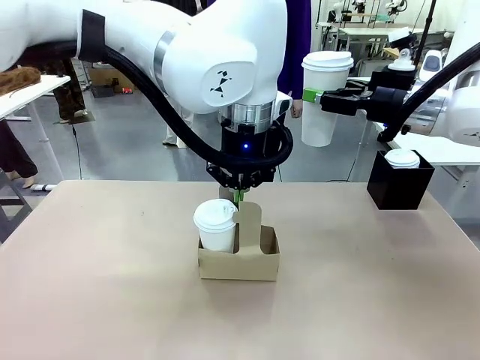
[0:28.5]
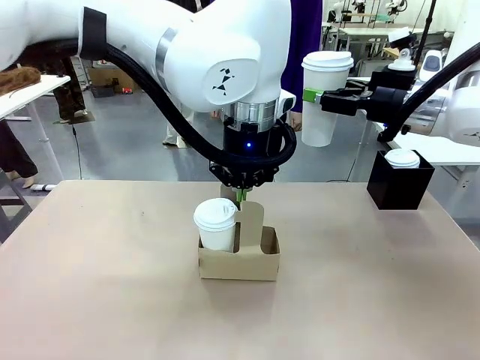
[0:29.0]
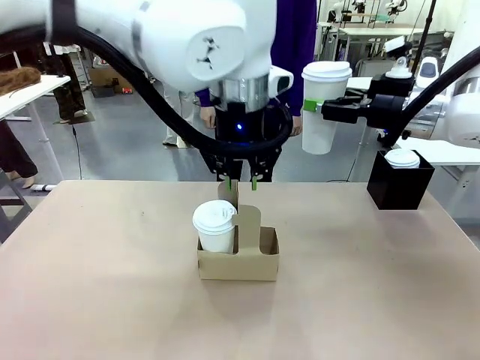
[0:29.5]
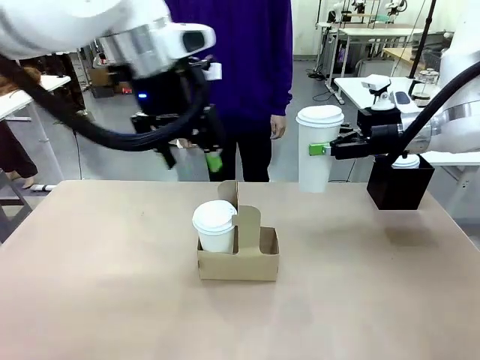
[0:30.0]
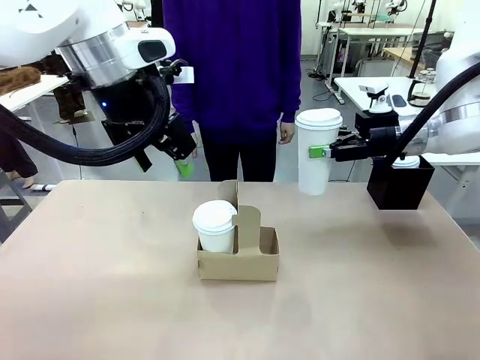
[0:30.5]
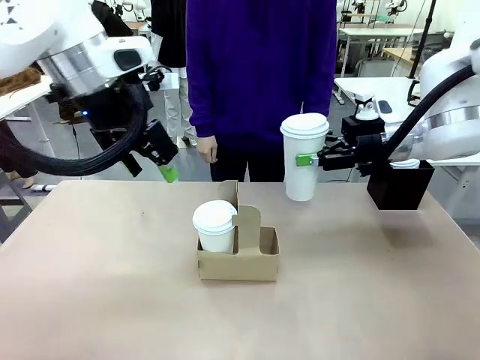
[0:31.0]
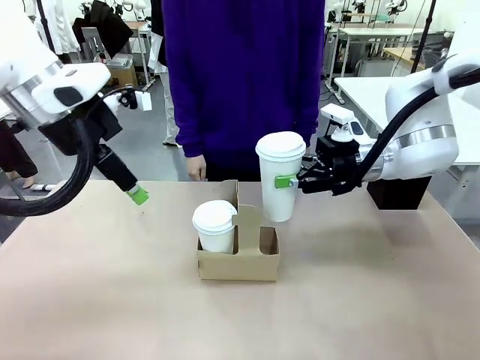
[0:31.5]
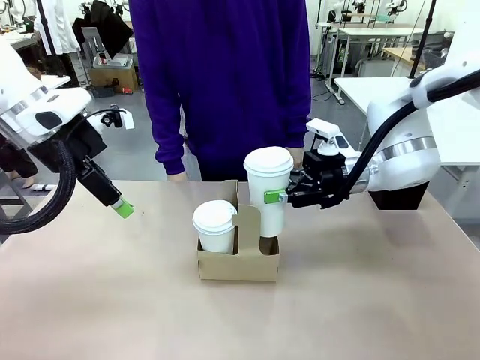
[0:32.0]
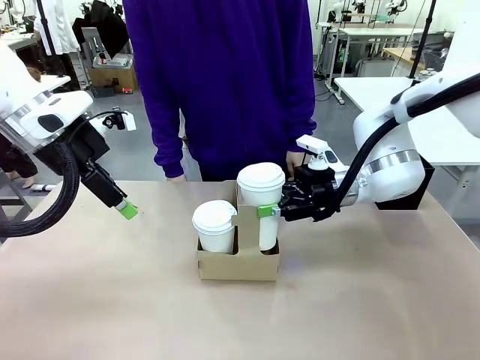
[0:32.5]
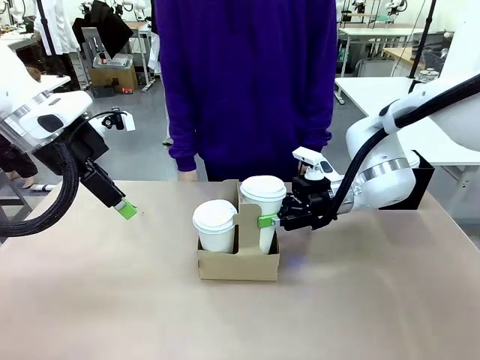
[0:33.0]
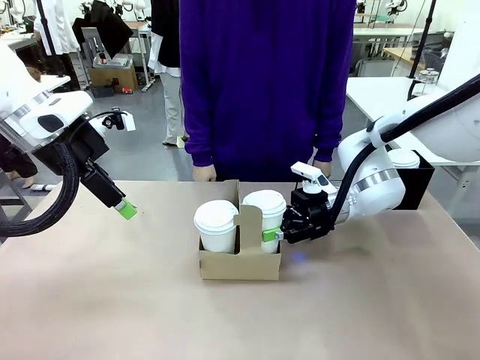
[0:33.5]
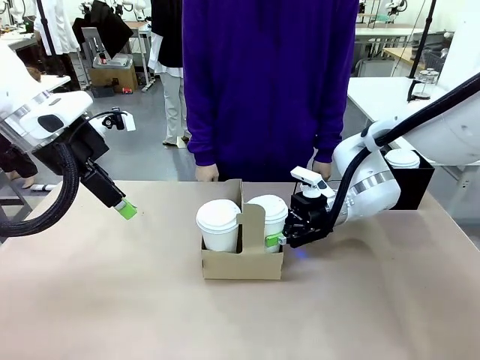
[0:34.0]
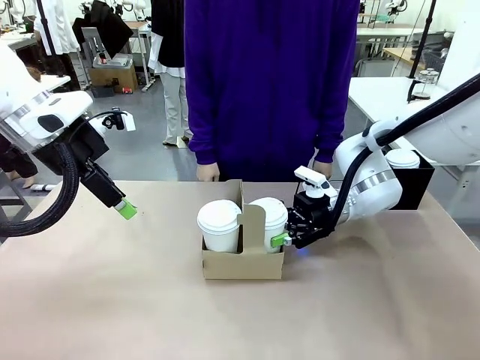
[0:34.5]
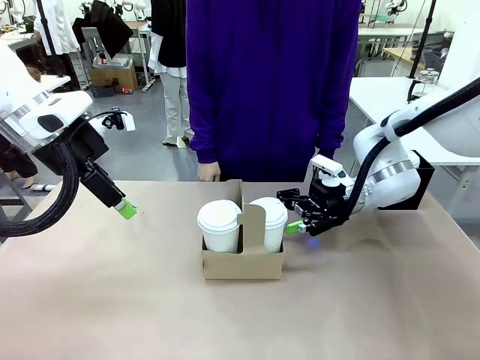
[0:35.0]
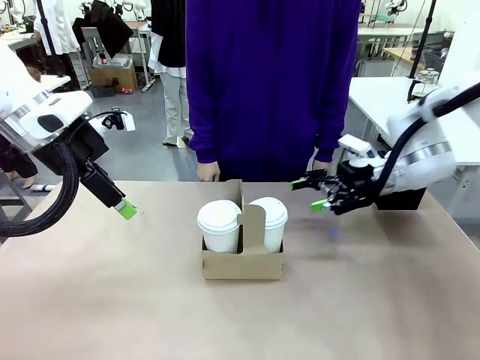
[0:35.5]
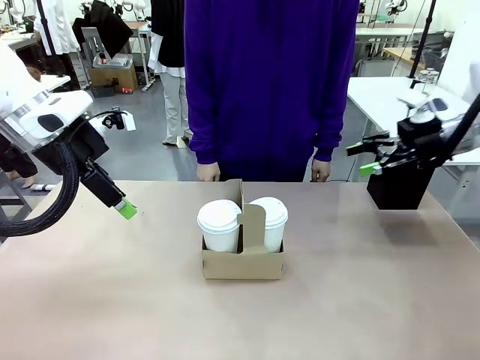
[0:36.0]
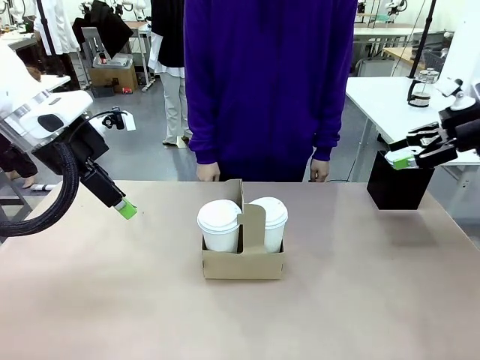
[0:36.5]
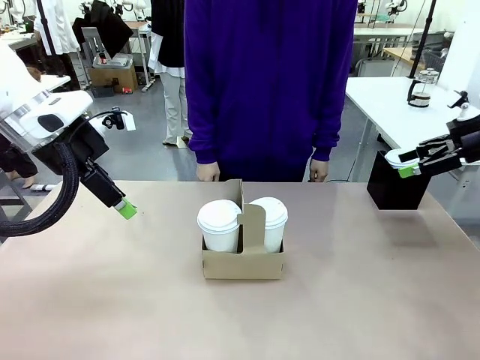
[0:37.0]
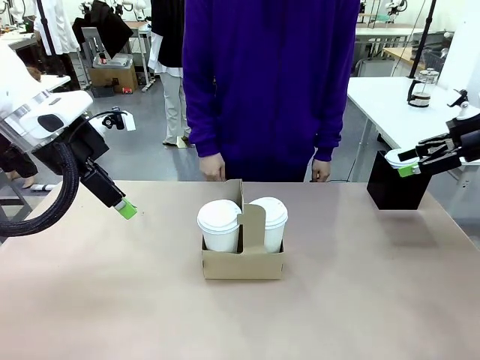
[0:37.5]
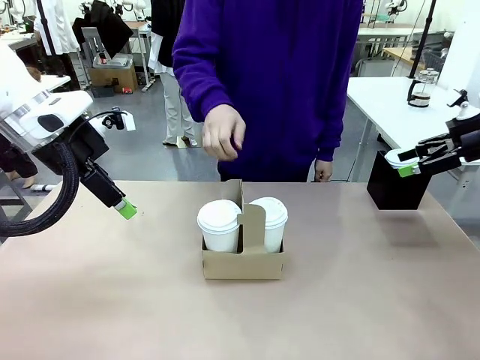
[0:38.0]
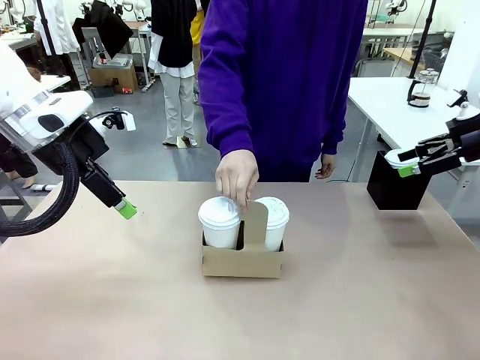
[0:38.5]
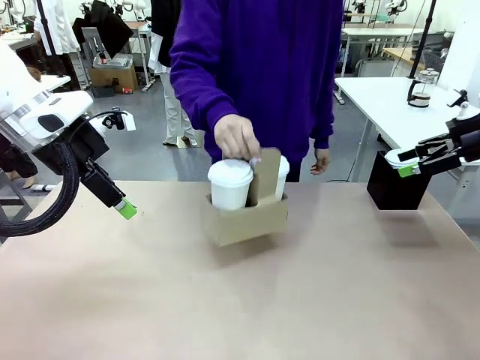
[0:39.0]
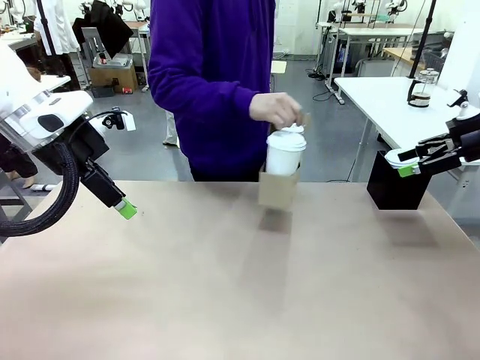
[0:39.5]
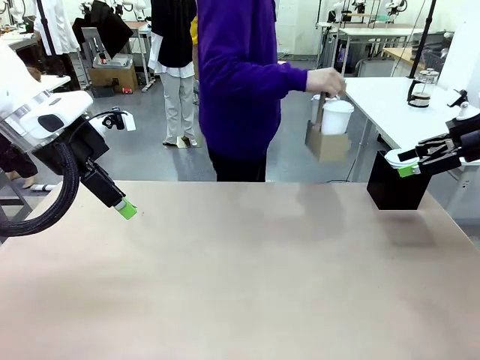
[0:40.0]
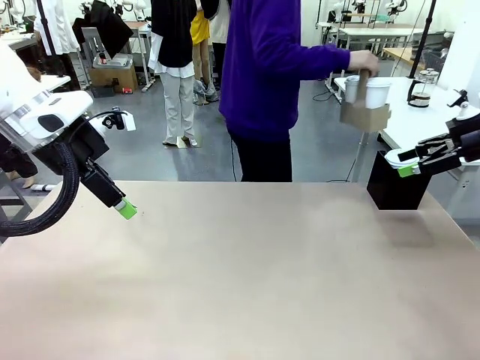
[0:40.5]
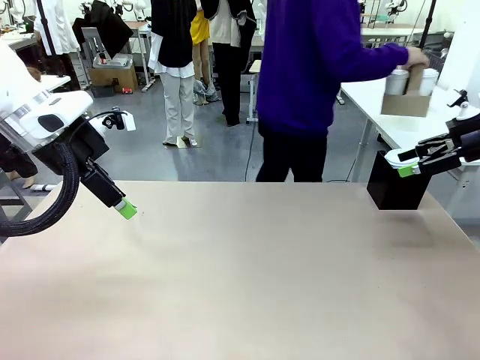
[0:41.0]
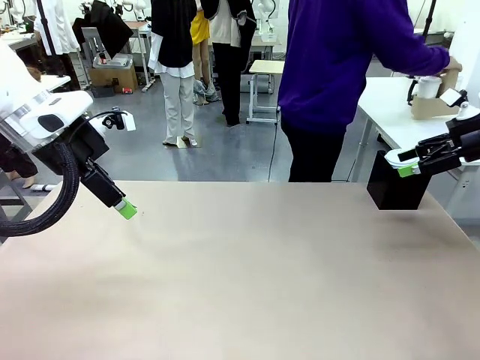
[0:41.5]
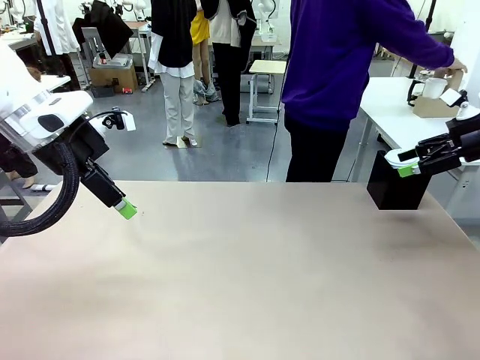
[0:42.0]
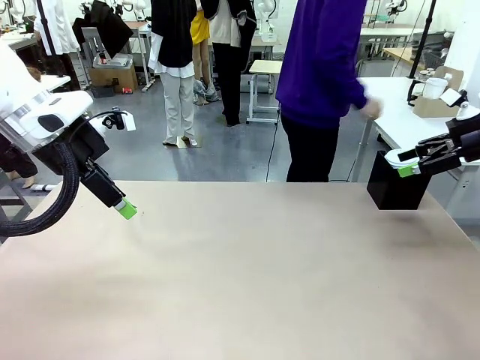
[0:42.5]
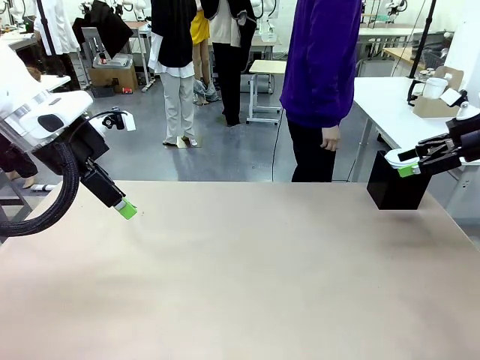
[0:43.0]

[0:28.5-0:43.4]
Task: Pour a drink into a cup and package it in a carrier.
Robot: Insert the held 600 ml Paper Cup into the Cup Carrier.
Person: Place the Cup Carrier to the middle of Human table.

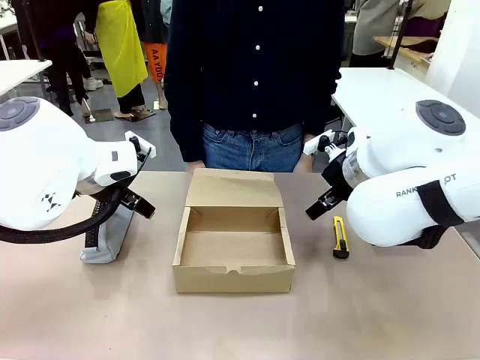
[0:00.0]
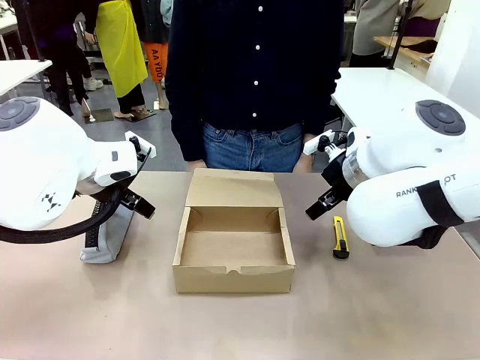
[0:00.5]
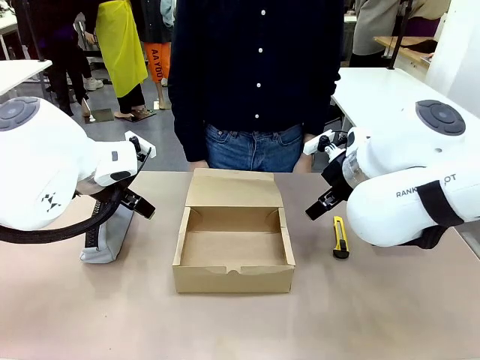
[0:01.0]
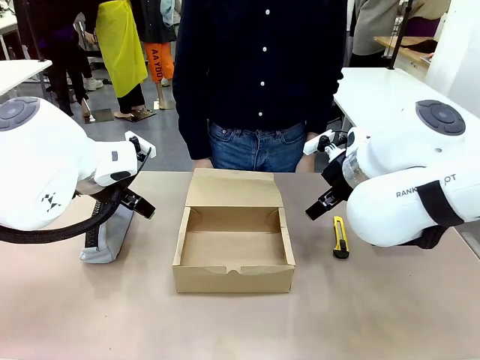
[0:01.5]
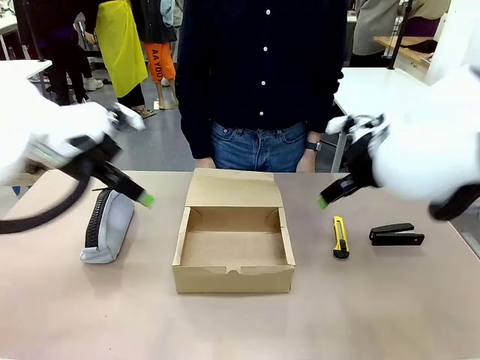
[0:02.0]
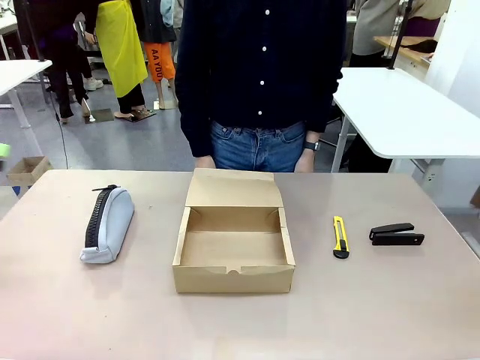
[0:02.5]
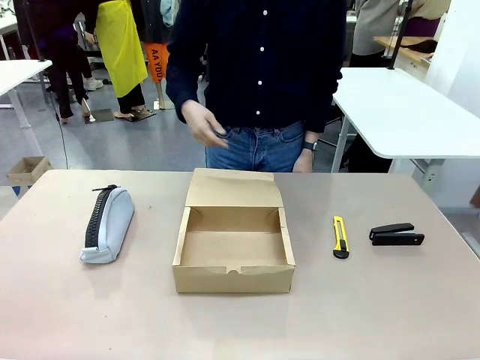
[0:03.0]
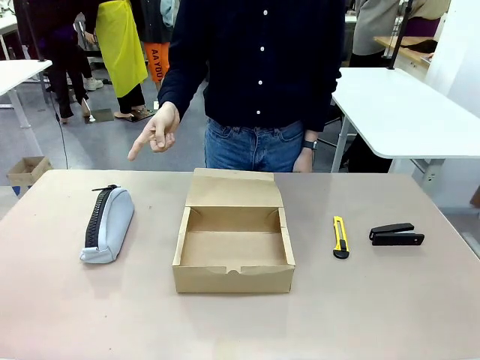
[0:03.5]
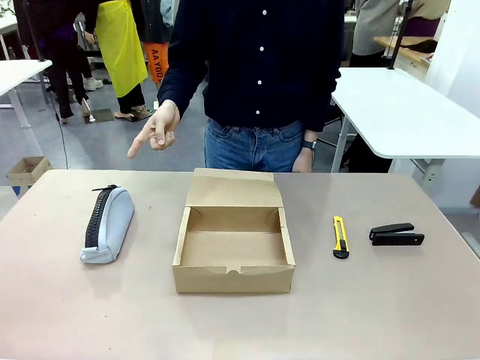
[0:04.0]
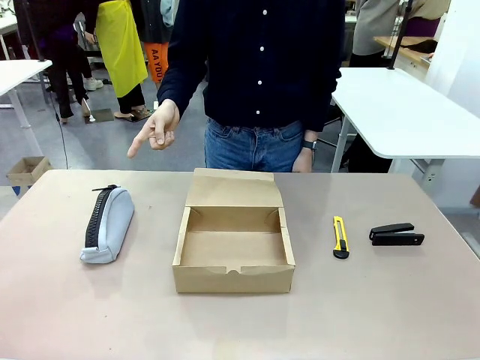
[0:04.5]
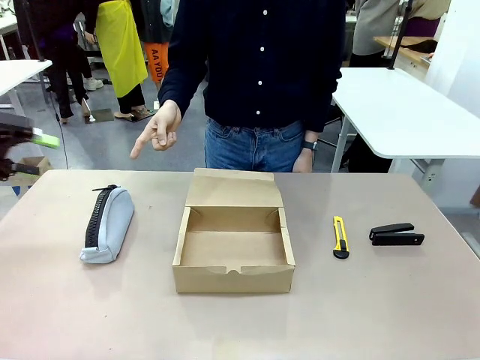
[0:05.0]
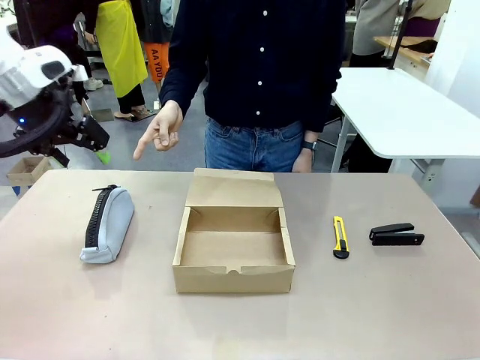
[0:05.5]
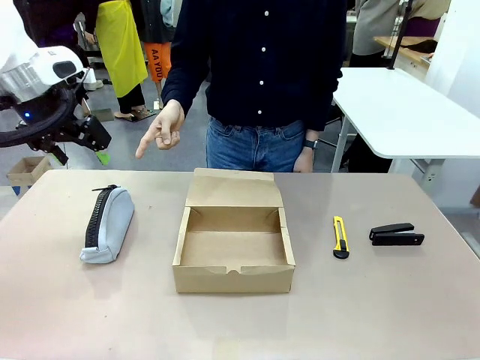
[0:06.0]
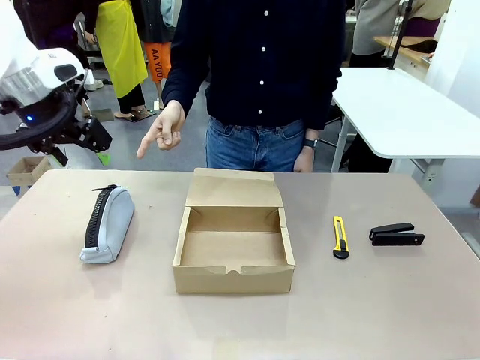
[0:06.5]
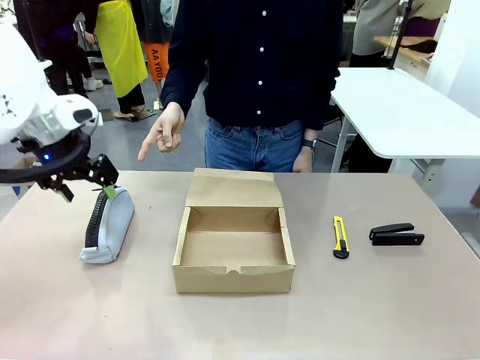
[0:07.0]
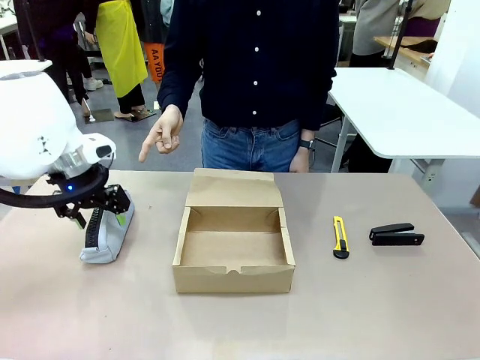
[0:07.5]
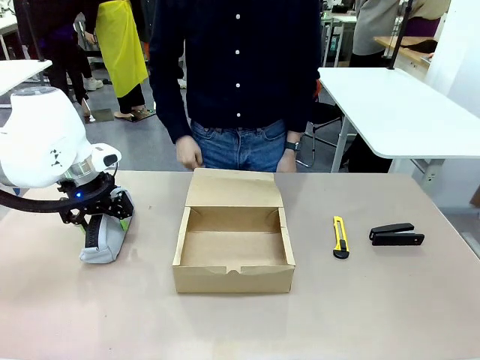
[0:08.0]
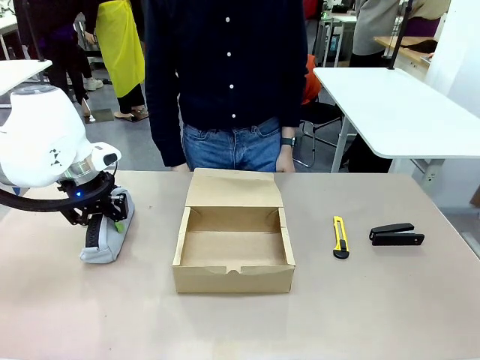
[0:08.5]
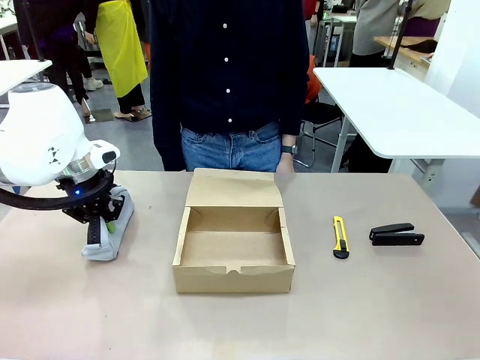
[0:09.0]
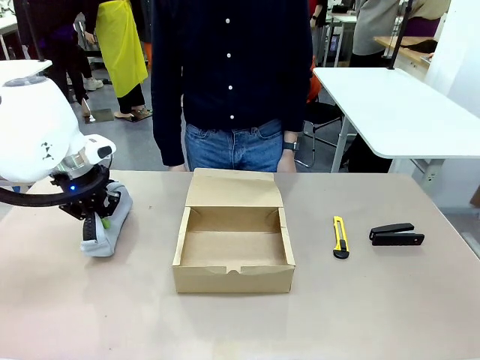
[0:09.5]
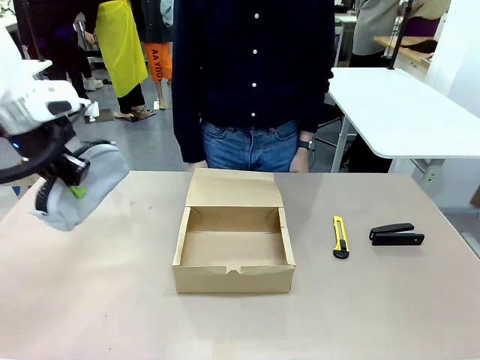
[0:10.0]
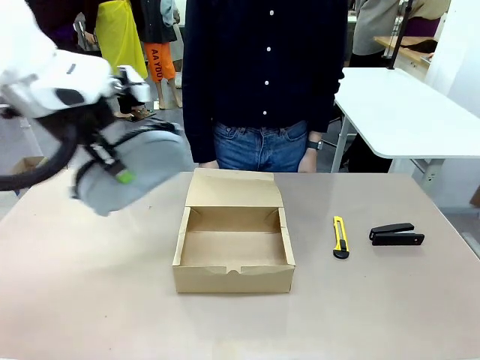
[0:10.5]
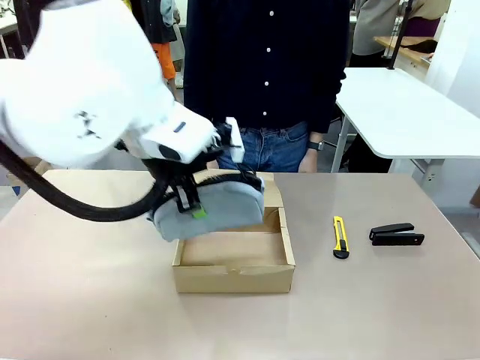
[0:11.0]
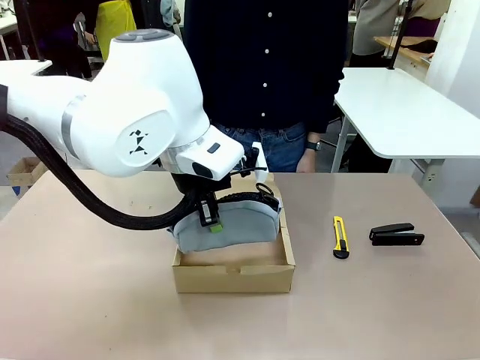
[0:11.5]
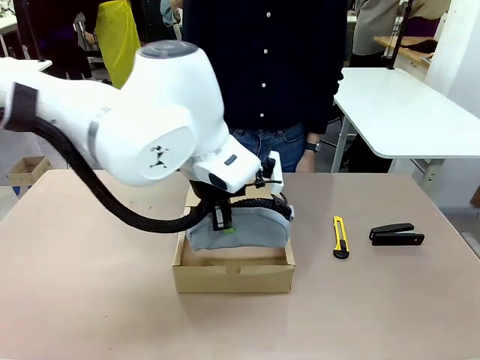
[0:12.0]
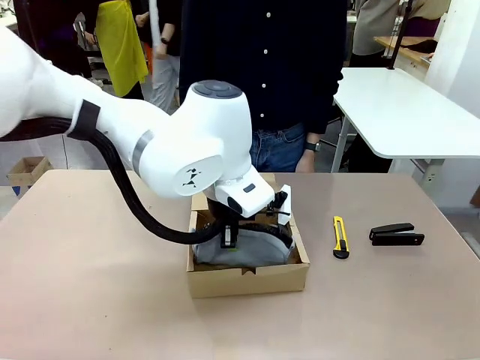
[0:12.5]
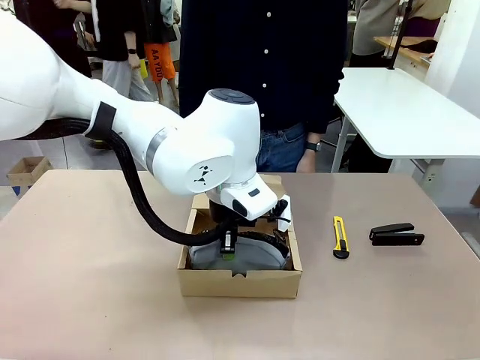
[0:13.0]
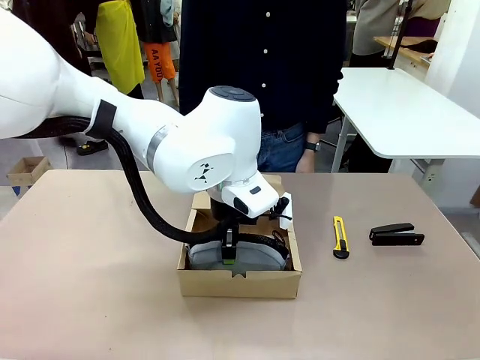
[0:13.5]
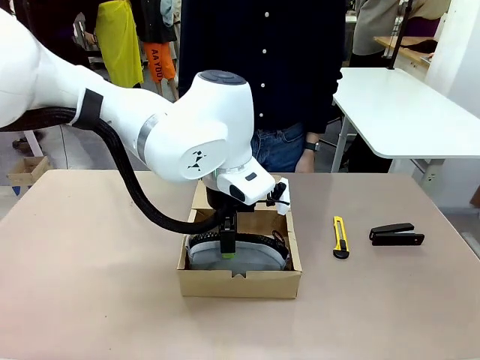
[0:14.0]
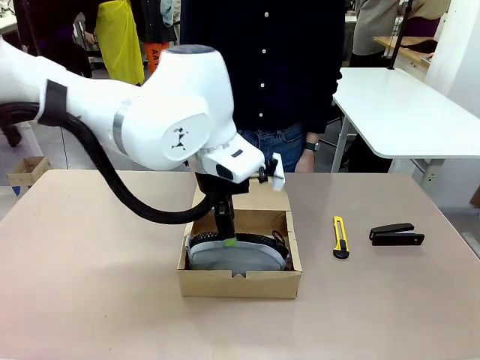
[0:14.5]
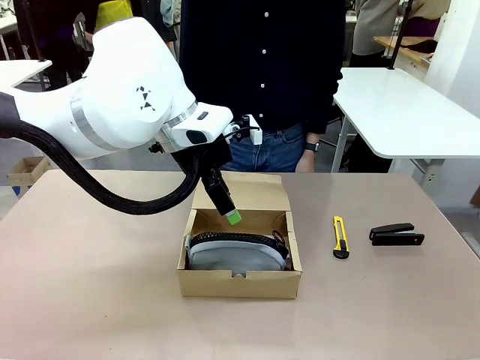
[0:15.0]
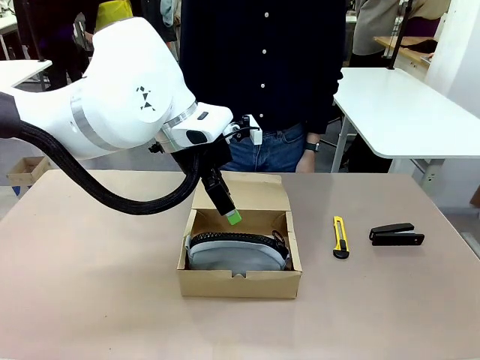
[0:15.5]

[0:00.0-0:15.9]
Task: Pack the items into the box.
Robot: Pick up the item specified by the human and place it in the Mailer Box.
Person: Point at one item on the table (excluding the box).
